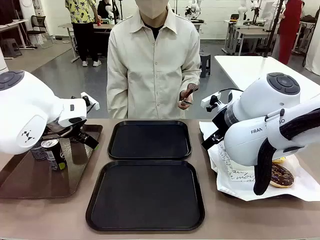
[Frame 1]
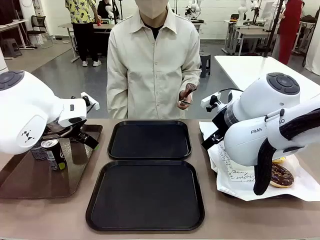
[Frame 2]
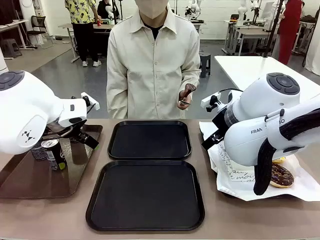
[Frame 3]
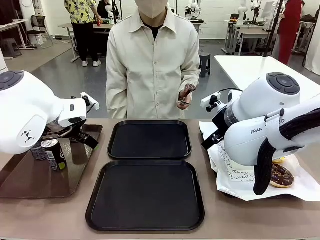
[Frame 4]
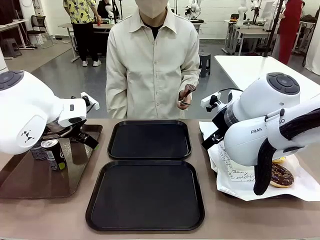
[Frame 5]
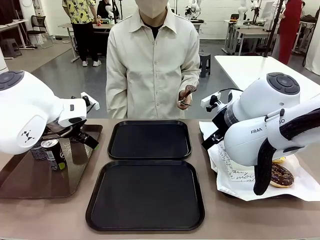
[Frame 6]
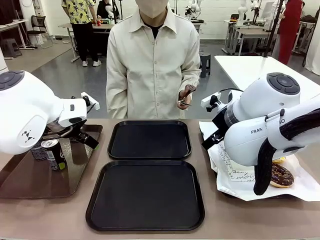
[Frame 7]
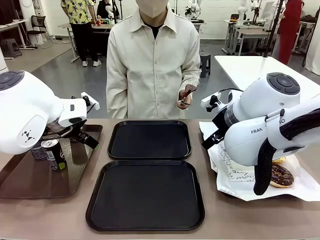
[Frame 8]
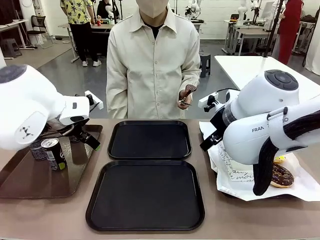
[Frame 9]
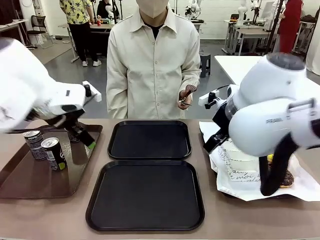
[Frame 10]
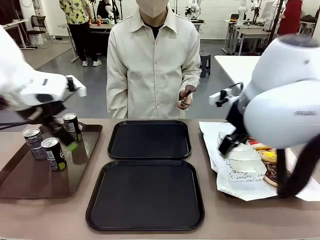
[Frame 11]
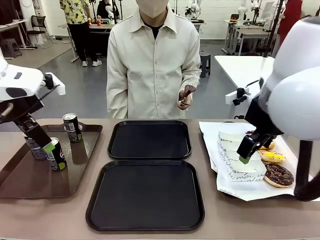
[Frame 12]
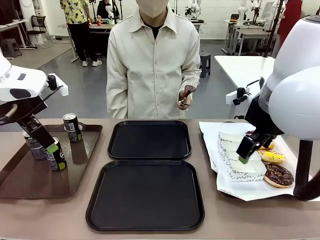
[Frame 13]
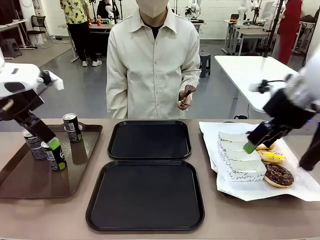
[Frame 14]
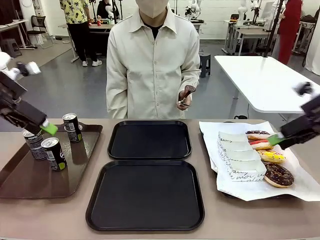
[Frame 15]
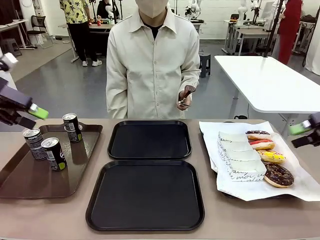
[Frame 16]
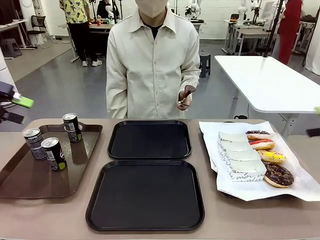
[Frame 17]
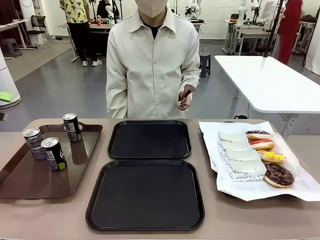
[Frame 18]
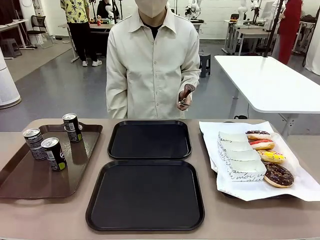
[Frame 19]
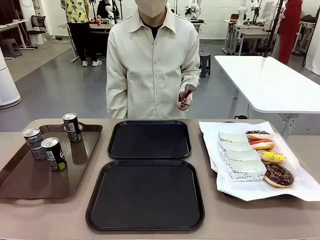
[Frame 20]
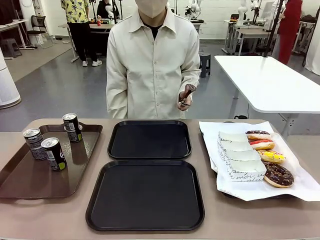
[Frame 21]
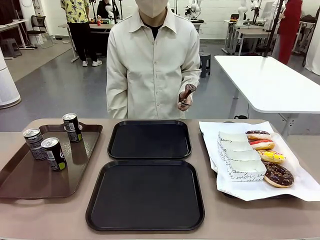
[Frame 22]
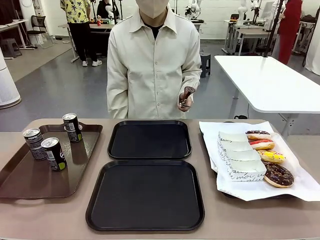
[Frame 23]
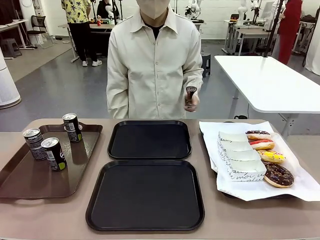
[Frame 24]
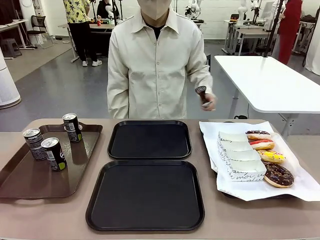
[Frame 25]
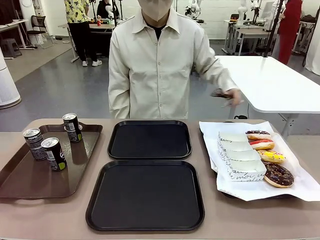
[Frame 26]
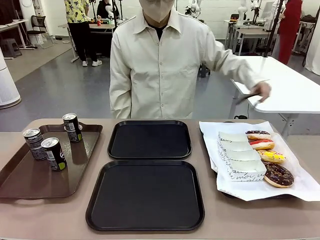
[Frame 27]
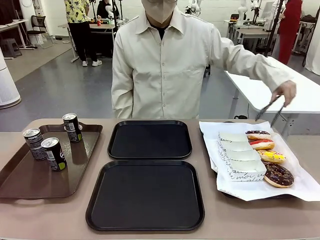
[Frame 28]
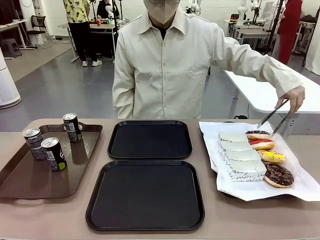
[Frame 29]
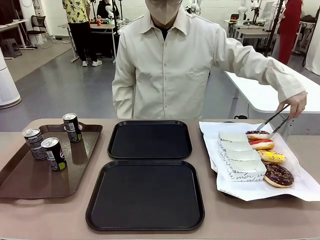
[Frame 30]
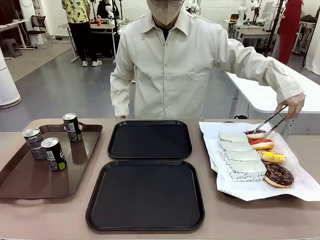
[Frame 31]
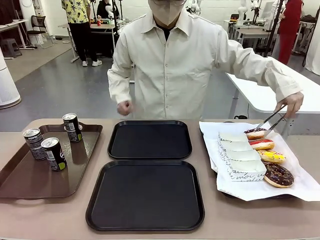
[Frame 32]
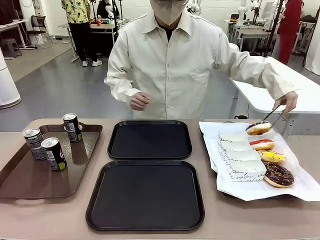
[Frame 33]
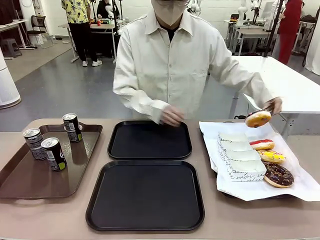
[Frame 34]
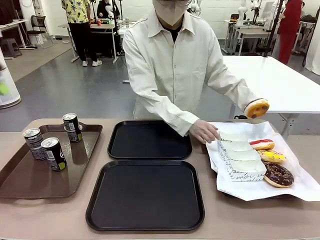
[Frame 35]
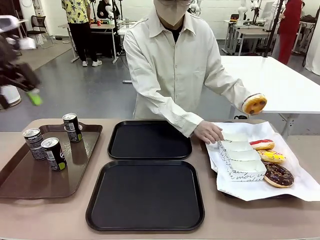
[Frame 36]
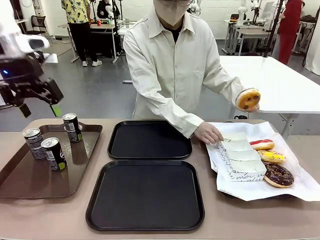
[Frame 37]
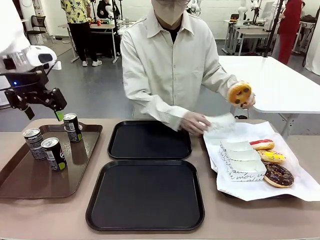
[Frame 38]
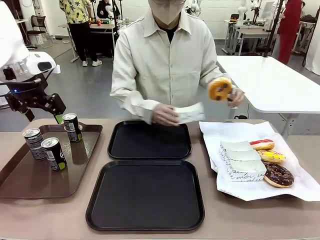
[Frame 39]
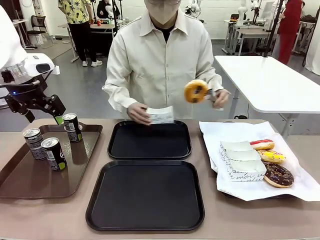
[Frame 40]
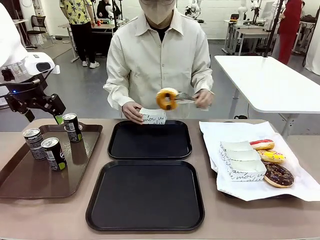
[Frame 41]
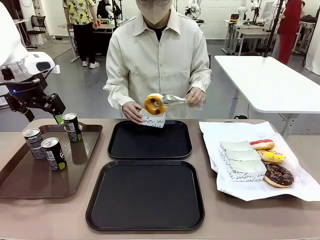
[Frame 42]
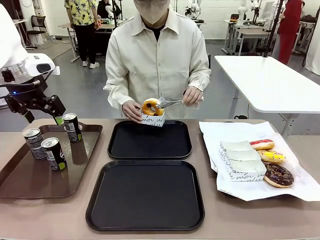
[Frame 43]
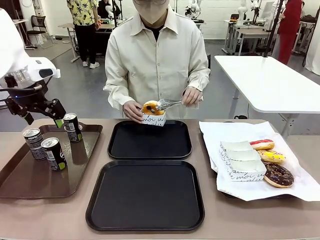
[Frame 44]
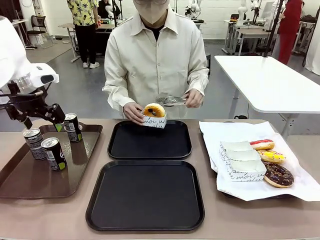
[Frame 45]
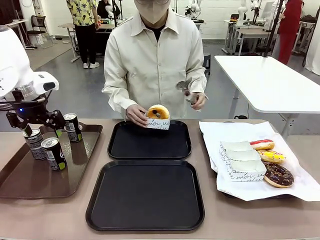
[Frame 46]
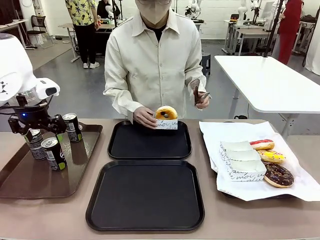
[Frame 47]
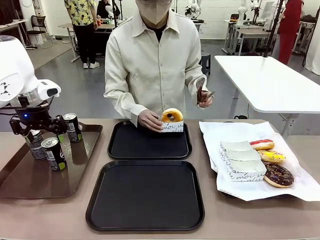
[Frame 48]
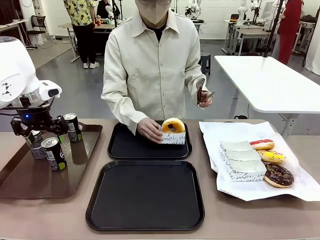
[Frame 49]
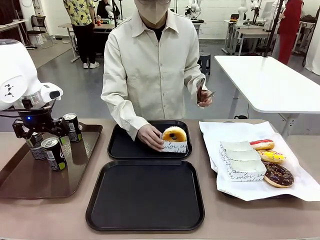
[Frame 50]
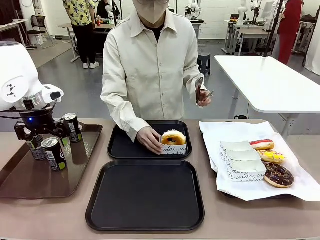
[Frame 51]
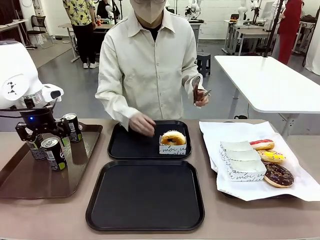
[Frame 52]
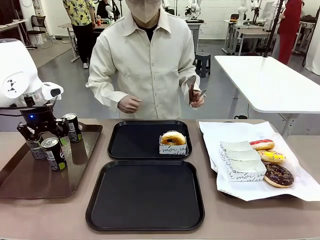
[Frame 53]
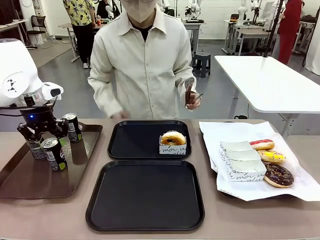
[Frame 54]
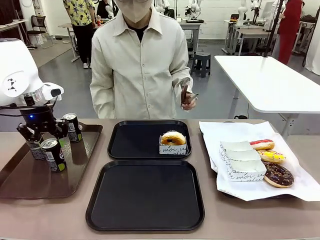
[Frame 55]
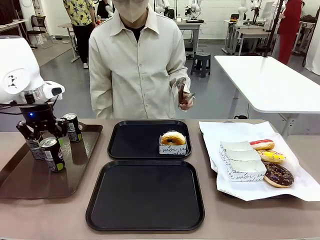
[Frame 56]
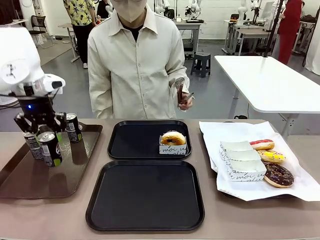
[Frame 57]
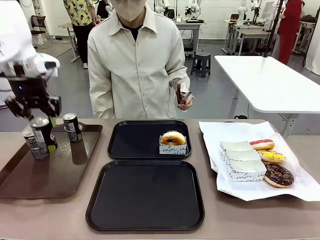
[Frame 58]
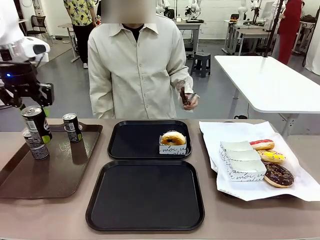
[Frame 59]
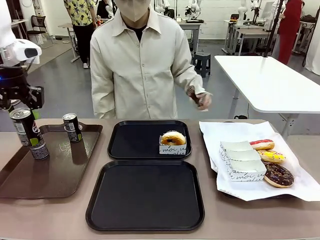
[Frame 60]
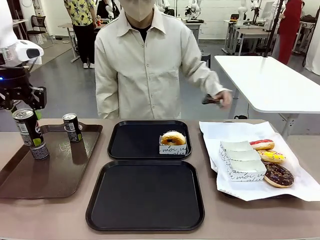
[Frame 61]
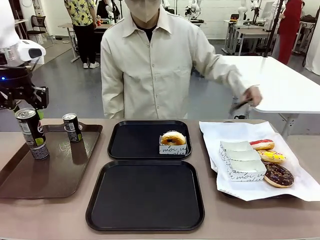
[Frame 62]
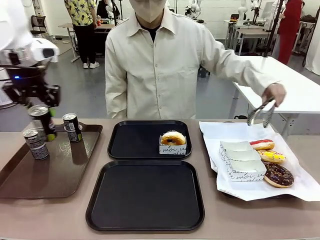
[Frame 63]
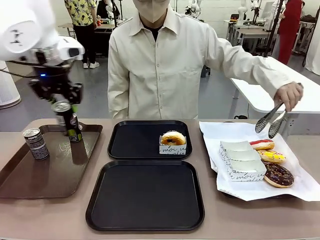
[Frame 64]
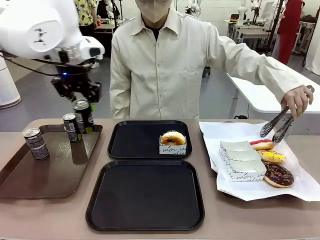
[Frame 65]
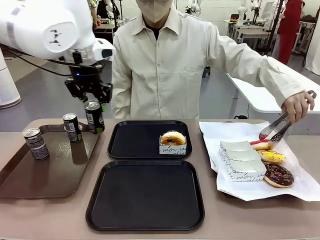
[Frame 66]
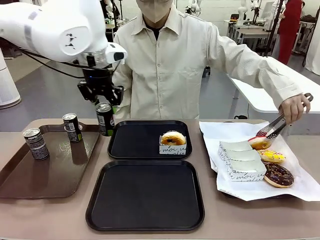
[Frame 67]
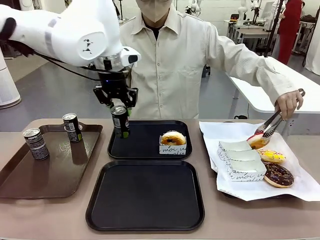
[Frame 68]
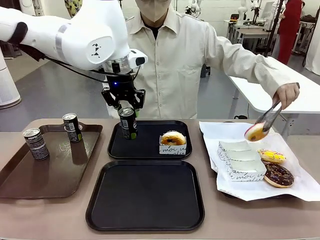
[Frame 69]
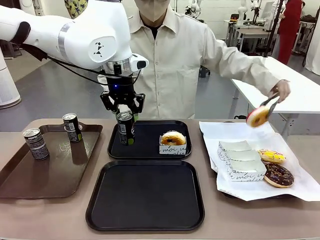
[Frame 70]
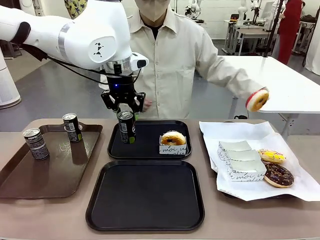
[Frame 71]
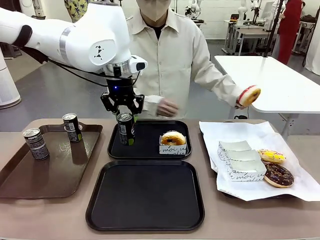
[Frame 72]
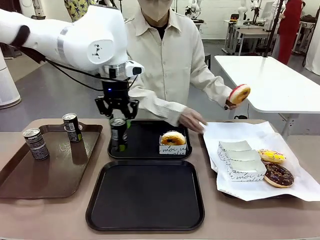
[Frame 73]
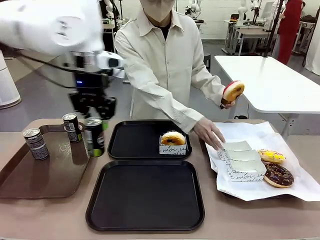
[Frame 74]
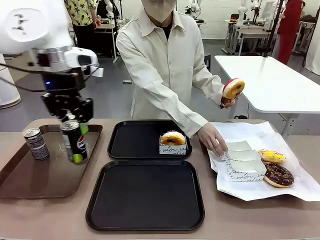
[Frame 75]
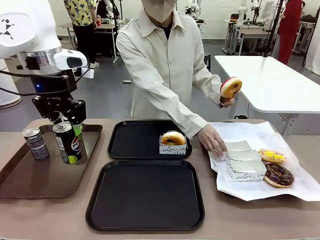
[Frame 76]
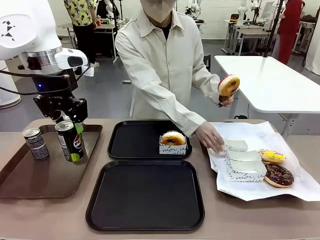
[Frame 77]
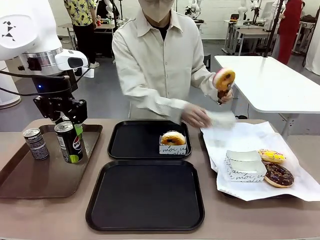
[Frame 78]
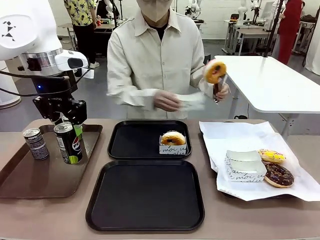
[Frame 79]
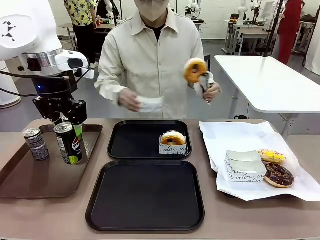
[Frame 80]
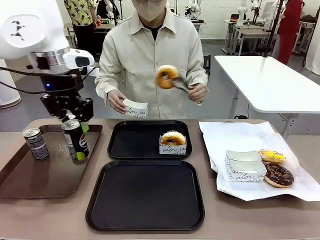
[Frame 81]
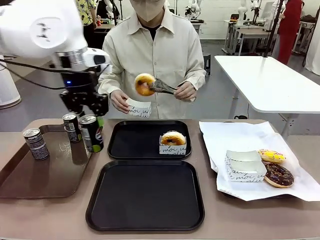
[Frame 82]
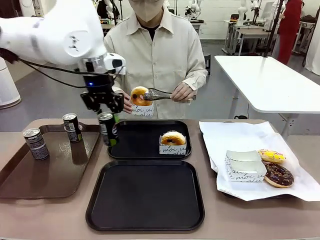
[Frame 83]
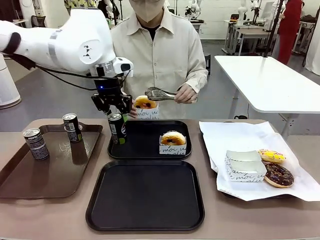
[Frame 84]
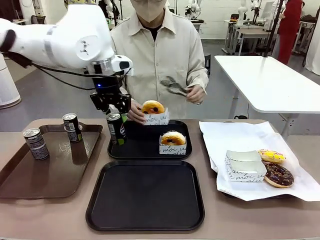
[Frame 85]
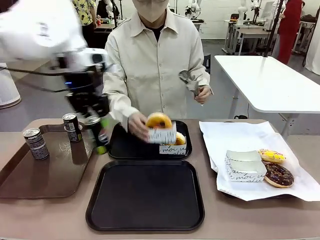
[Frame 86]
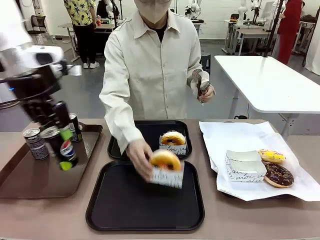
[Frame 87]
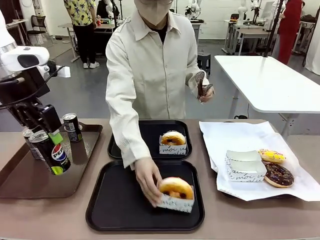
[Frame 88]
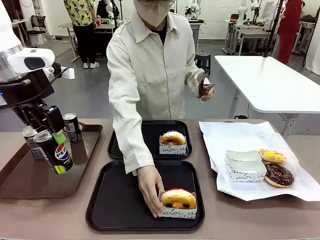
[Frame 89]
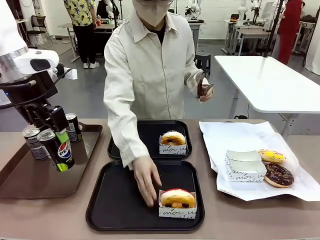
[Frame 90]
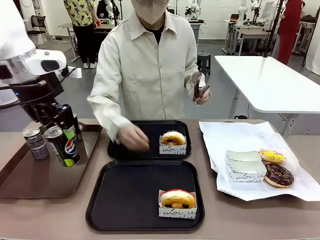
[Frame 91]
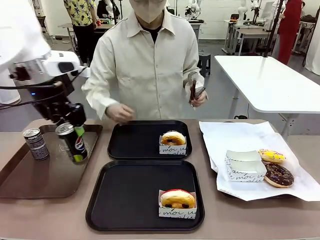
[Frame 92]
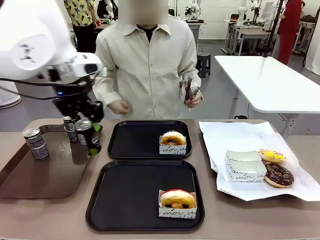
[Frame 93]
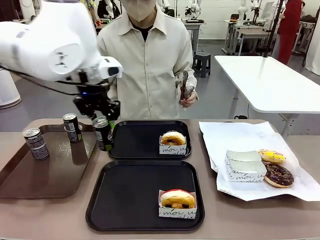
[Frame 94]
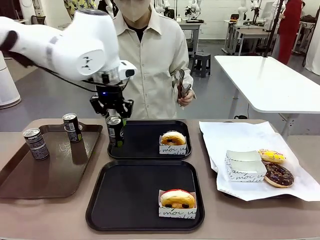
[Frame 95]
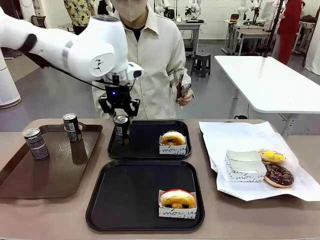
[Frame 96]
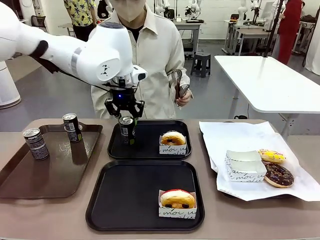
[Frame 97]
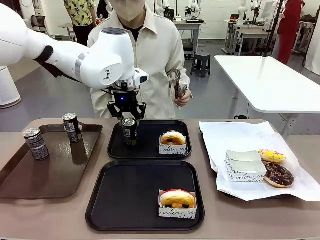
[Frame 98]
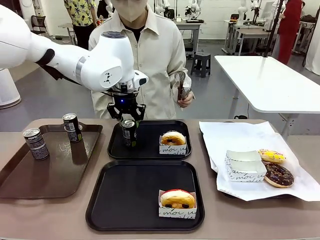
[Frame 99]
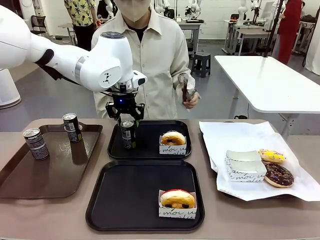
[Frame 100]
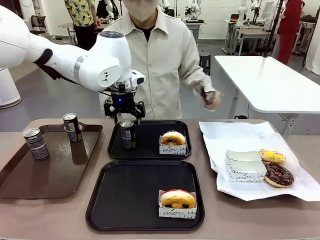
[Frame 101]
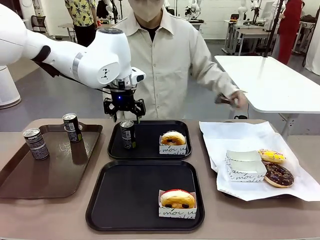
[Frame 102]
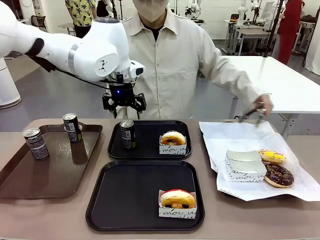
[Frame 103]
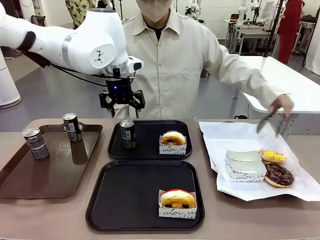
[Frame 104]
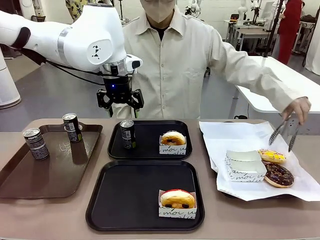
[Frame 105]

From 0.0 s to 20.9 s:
Task: Set up donuts and drinks on trays.
Robot: Pick up one Pepsi coke and place it on the Flat Tray.
Person: Pick up one donut with tongs, place it in the donut tray, and then place the donut tray on the flat tray.
